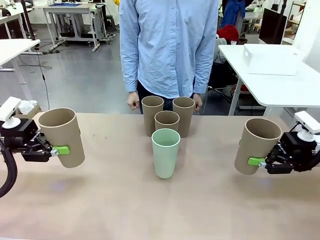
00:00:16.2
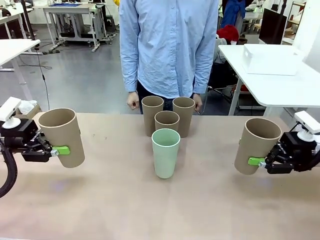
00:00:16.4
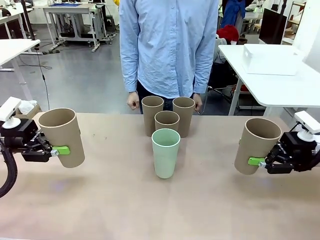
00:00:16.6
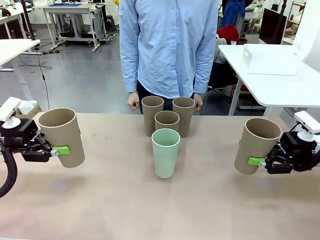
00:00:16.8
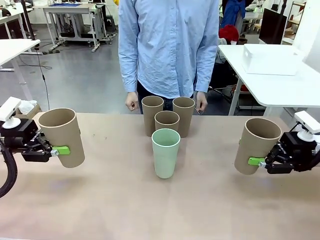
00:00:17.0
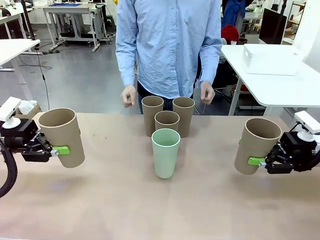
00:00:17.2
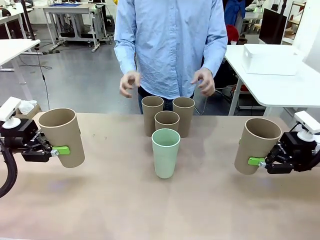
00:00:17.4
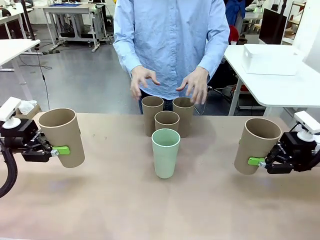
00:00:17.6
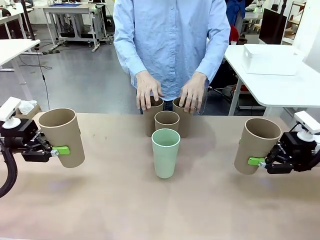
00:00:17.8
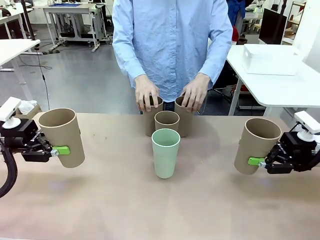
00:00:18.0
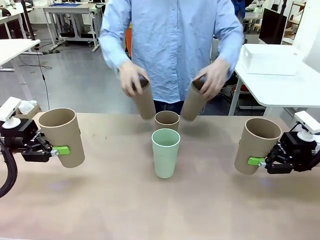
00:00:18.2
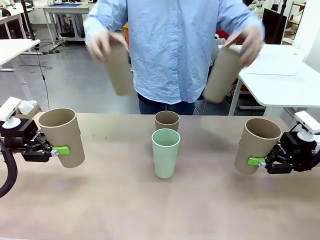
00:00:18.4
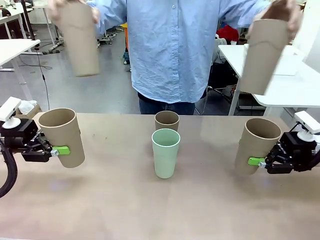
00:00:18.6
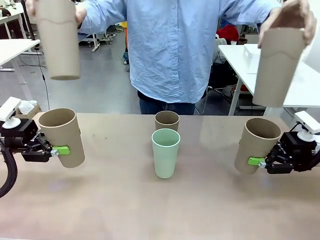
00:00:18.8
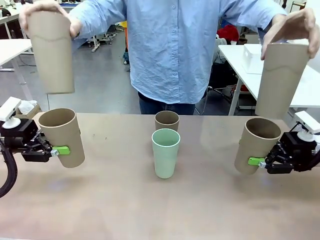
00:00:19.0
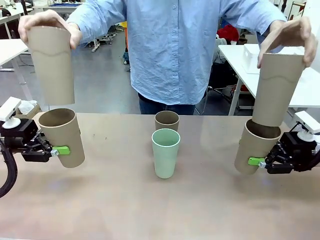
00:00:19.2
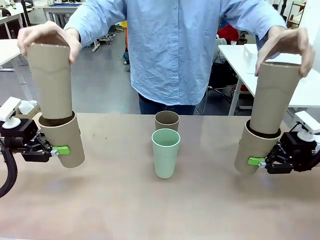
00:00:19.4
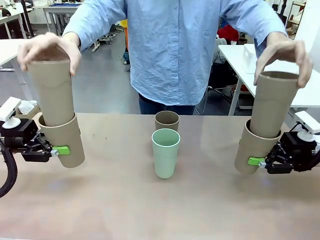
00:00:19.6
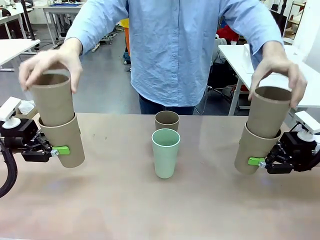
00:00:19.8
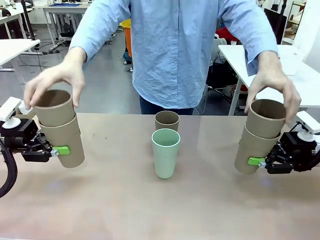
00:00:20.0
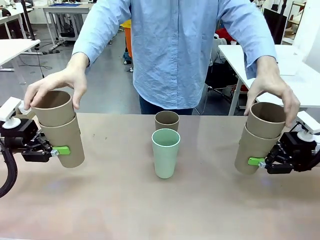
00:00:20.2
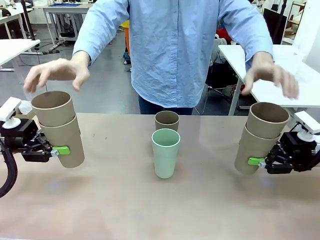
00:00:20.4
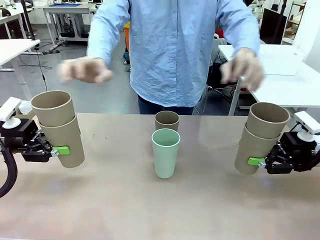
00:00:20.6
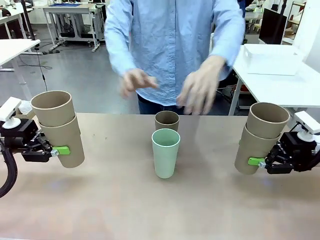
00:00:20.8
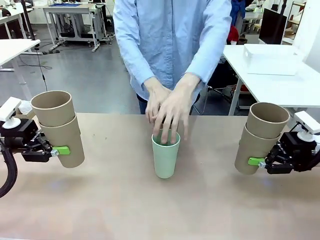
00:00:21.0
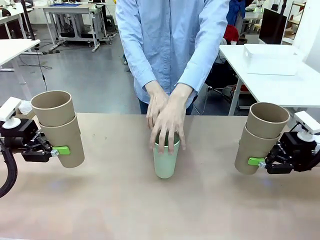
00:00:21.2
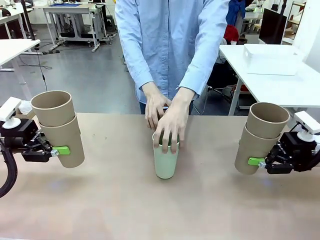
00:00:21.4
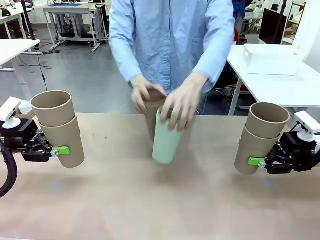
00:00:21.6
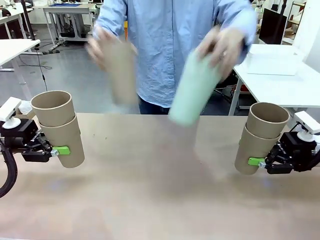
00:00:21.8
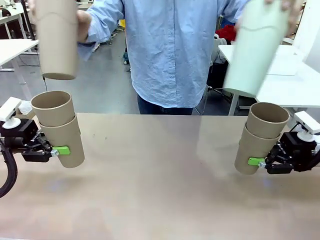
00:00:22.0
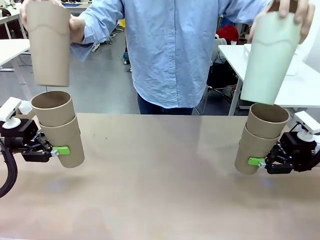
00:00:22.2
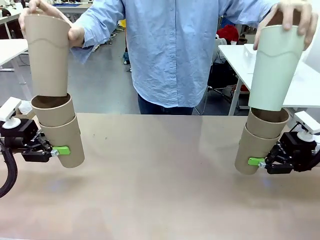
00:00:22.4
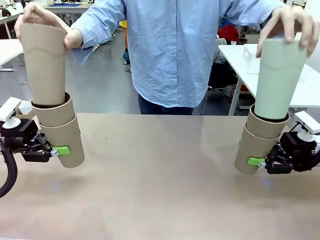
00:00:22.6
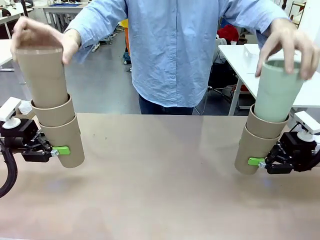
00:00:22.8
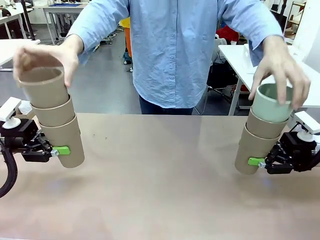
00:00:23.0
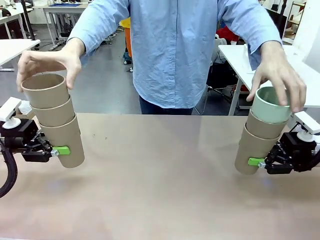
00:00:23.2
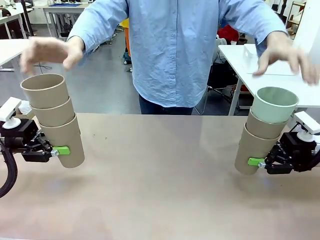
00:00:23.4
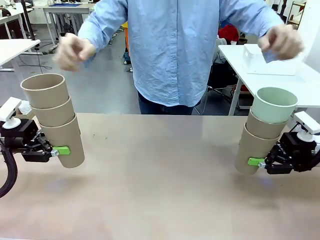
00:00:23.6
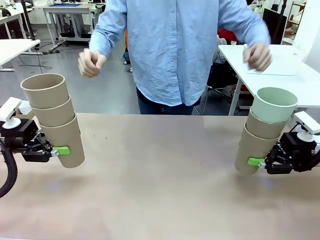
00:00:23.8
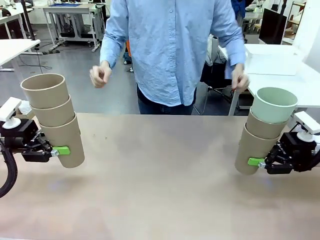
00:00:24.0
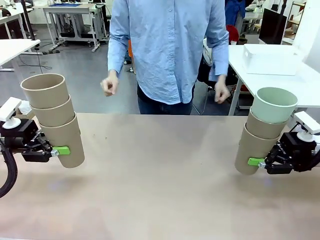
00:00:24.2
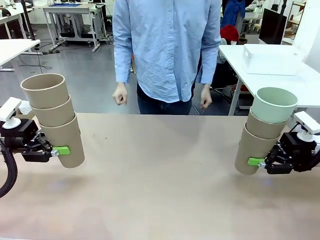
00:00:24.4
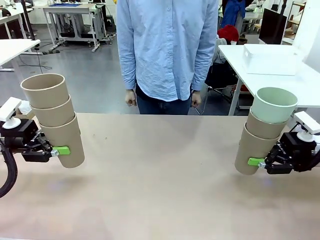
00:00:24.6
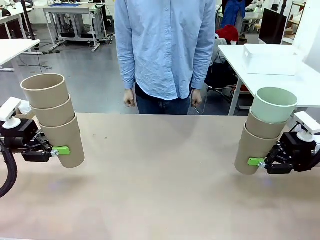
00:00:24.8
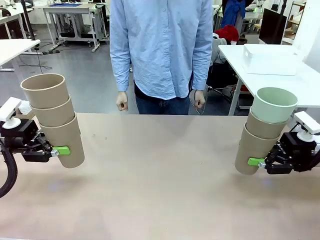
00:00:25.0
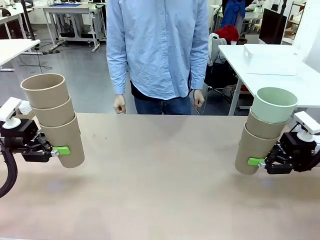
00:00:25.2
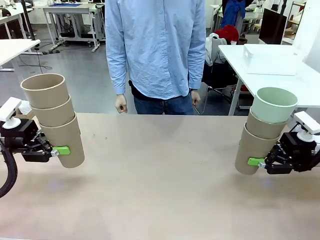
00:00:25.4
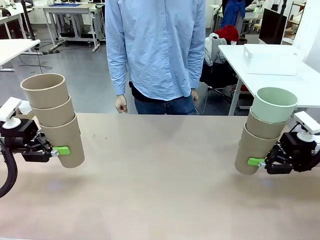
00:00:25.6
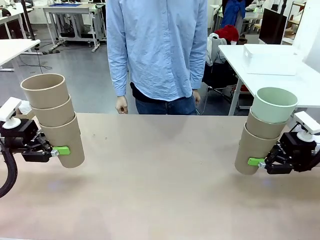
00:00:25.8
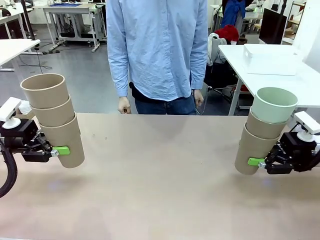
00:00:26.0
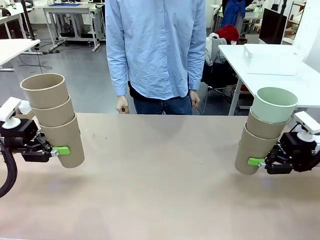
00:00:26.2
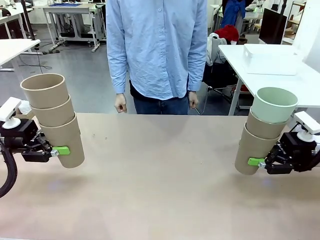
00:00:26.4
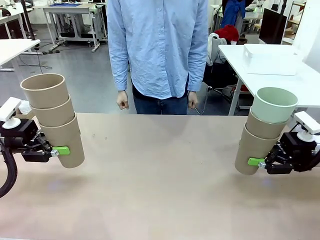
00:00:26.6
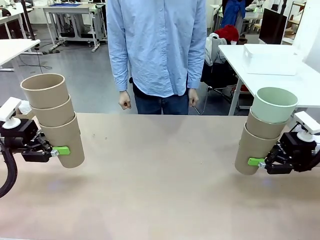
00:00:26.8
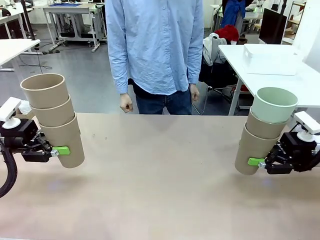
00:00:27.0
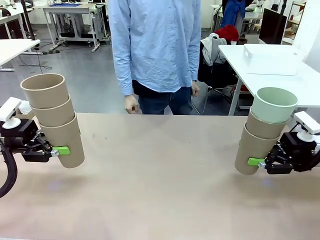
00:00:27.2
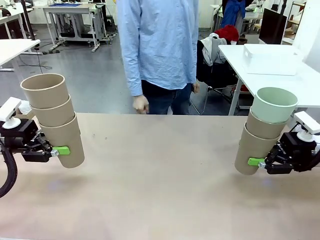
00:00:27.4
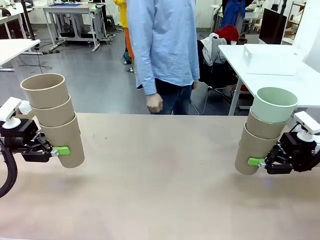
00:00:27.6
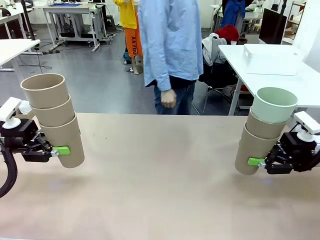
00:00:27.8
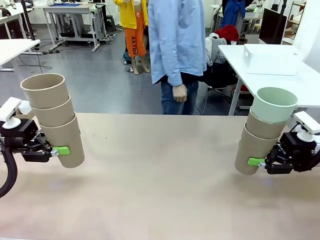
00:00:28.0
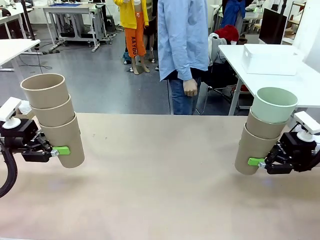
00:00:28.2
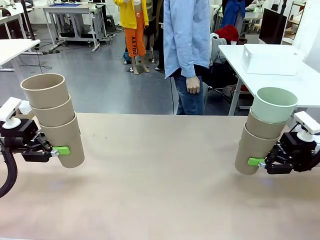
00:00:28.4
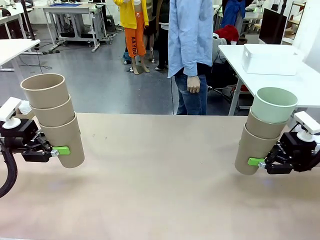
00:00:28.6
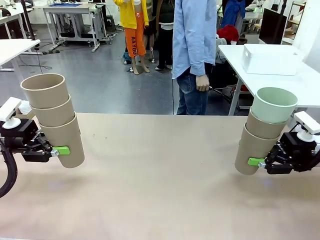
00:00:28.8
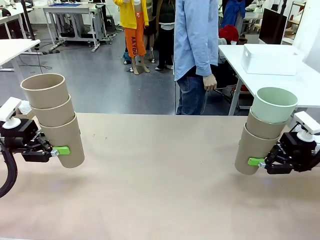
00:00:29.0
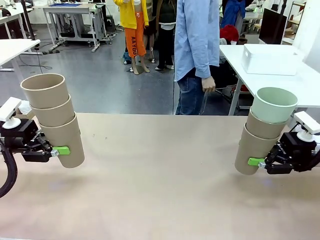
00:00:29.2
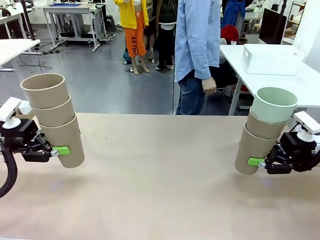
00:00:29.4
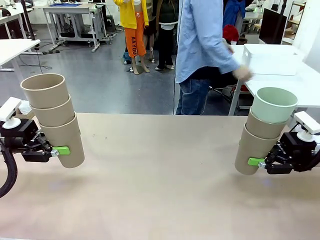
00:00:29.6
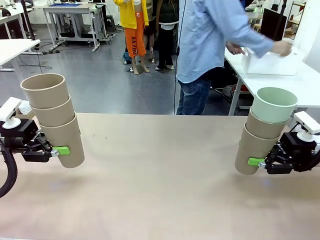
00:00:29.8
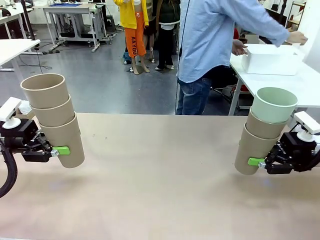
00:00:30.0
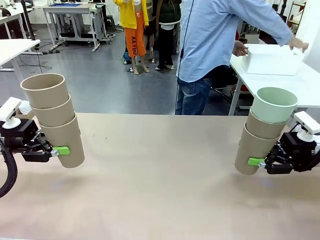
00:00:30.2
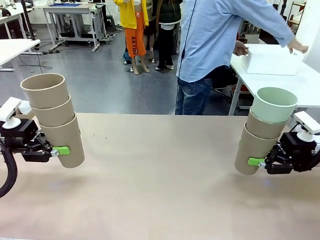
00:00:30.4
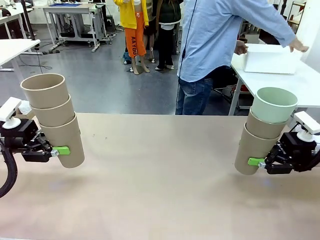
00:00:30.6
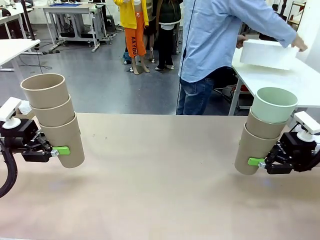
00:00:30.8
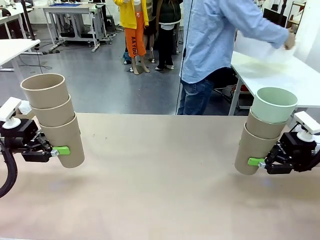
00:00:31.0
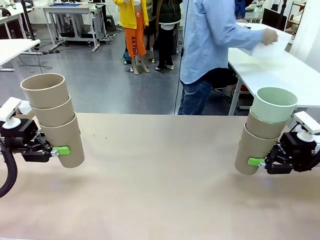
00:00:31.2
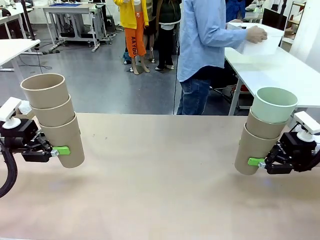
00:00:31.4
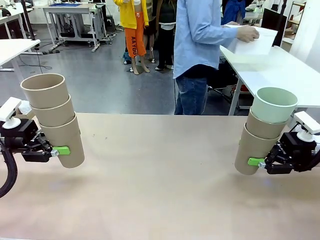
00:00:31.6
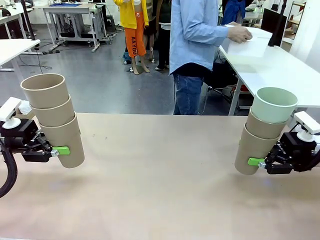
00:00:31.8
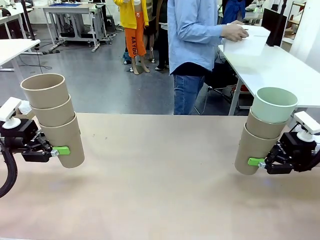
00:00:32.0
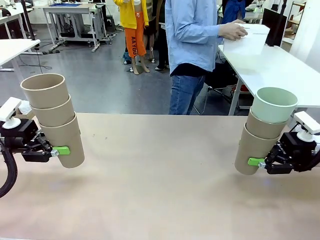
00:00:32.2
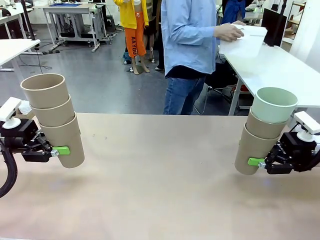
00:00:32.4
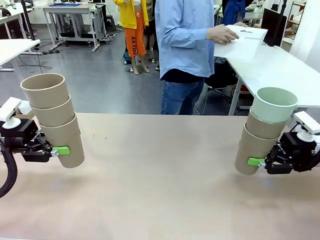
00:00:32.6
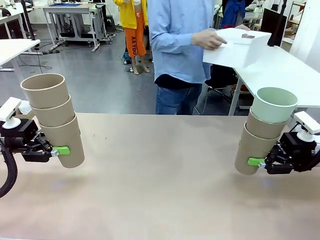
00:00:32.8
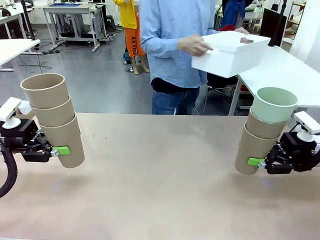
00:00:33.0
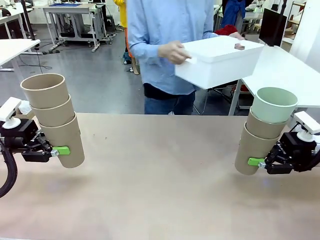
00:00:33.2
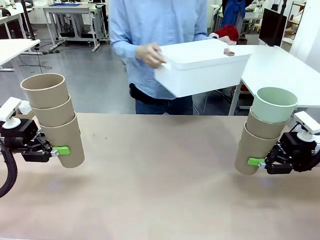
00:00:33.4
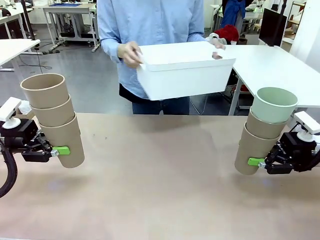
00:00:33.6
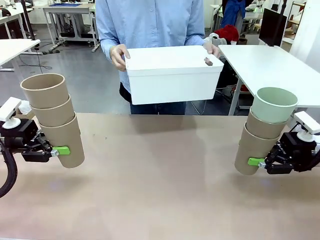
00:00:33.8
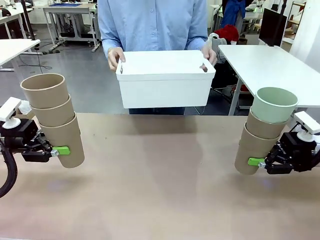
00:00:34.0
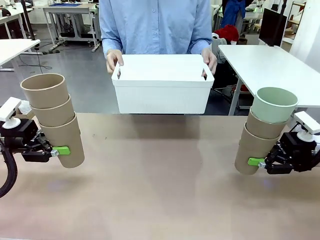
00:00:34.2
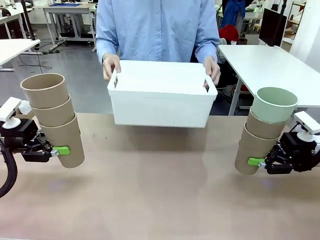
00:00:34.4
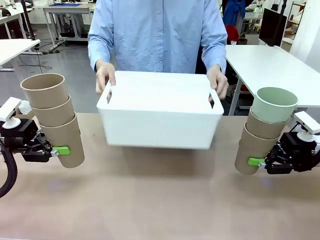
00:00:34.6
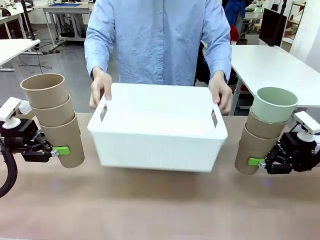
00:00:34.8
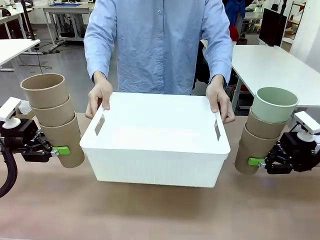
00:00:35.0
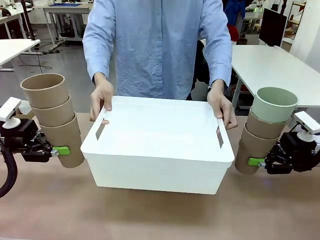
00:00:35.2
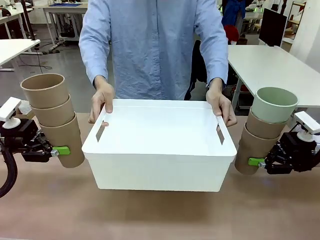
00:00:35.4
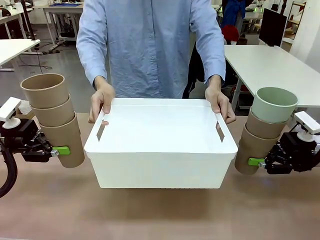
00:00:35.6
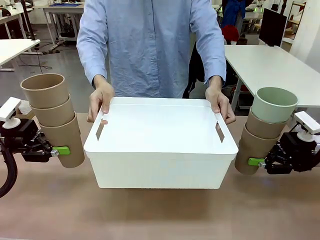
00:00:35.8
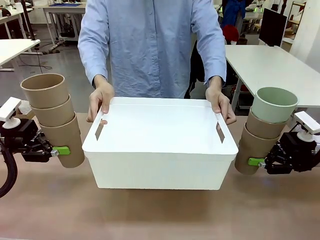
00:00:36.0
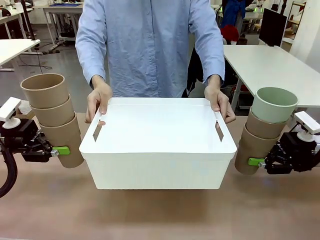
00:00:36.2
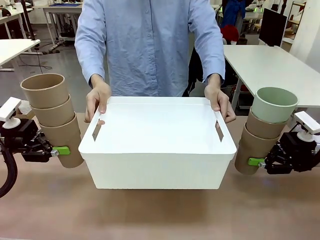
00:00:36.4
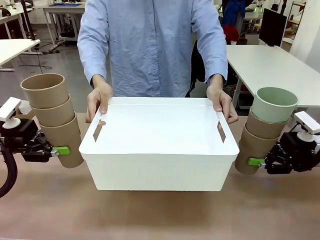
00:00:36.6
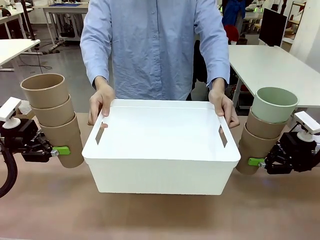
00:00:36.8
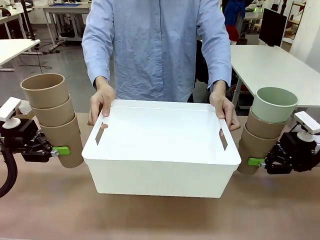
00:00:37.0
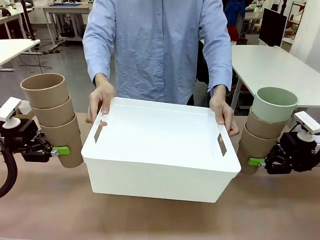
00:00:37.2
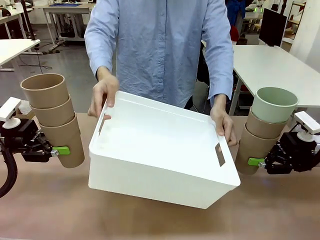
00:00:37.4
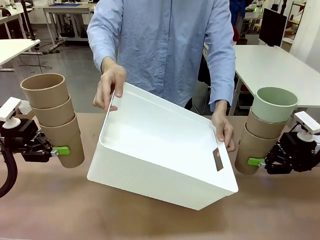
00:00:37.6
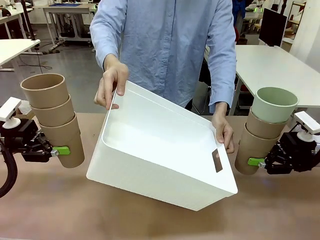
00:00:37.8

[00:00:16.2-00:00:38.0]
Task: Stack the cups and store them in the basket.
Robot: Place the stack of Reusable plastic cups into the Pantry Basket.
Person: Pick up the basket from the Human Table, bring it to the front of the robot, and present it.
